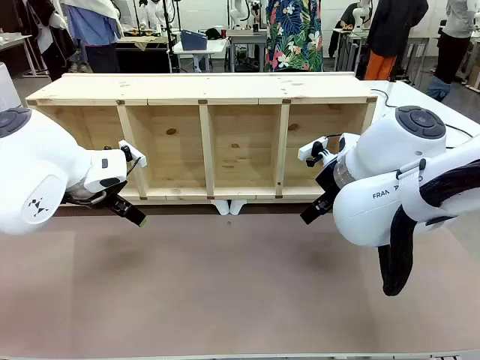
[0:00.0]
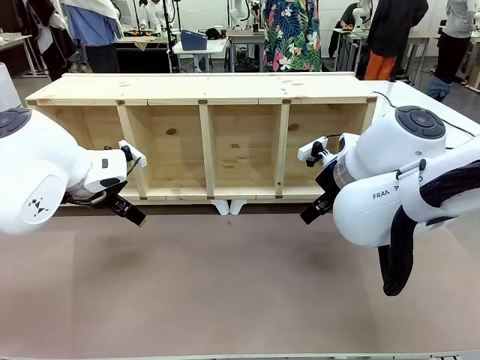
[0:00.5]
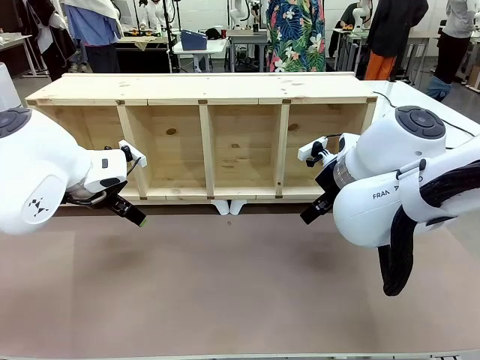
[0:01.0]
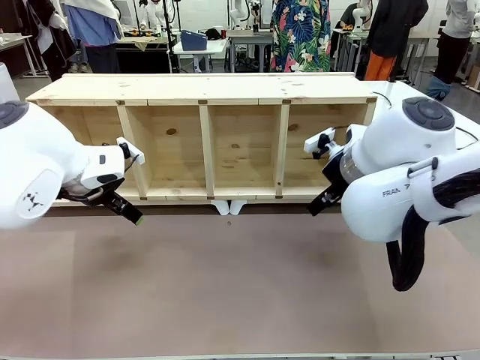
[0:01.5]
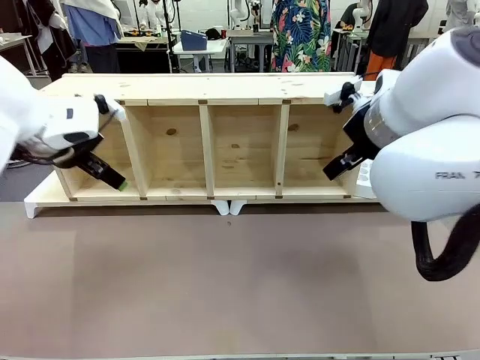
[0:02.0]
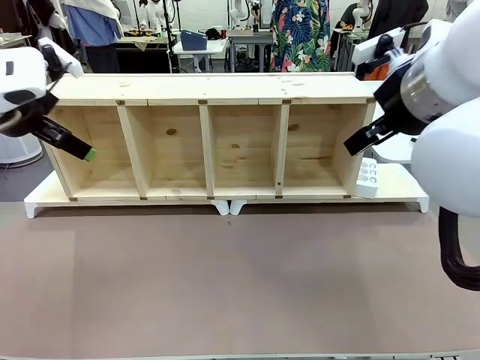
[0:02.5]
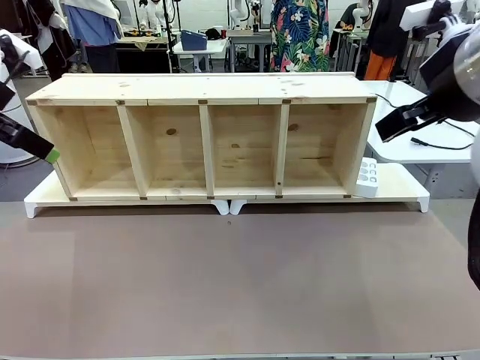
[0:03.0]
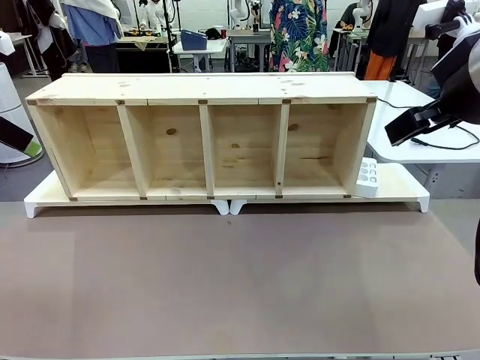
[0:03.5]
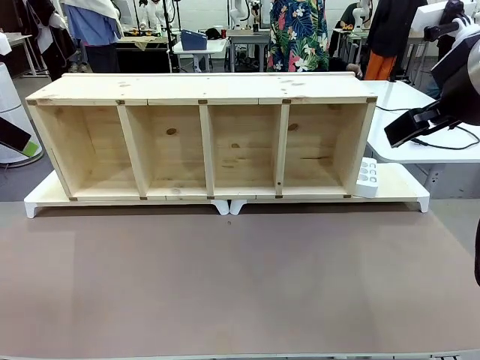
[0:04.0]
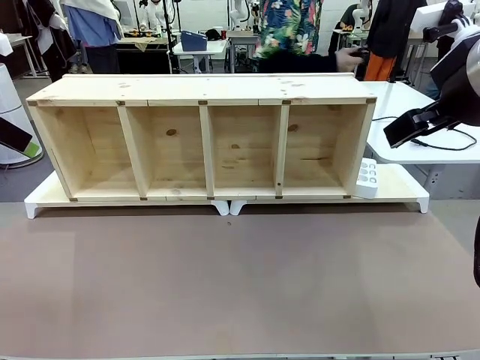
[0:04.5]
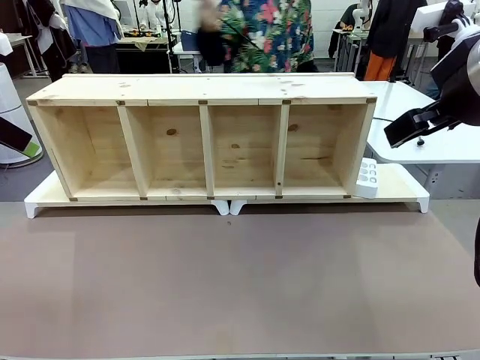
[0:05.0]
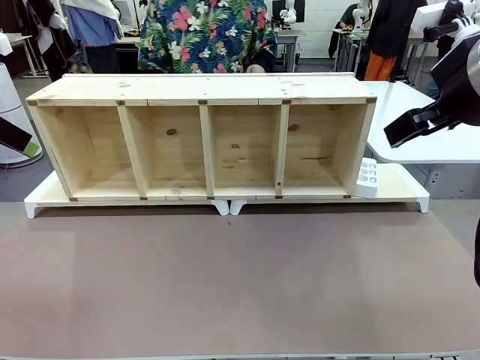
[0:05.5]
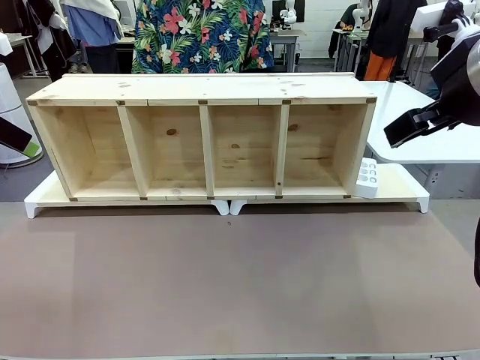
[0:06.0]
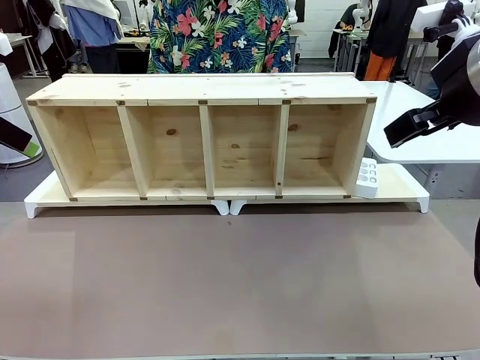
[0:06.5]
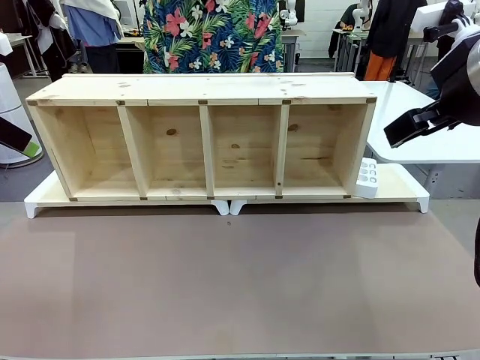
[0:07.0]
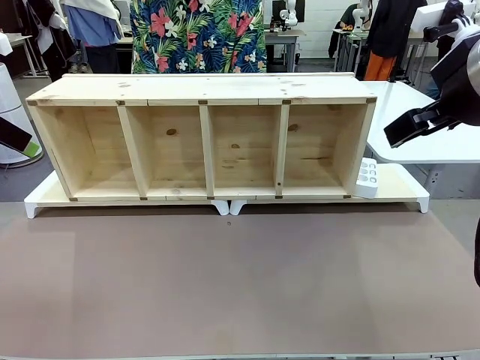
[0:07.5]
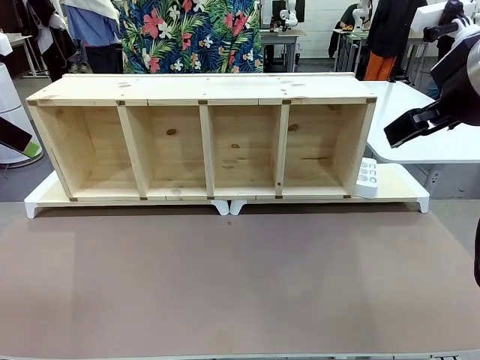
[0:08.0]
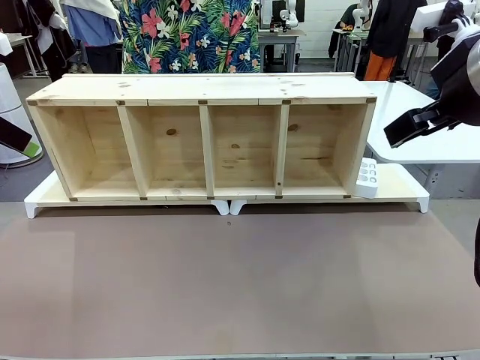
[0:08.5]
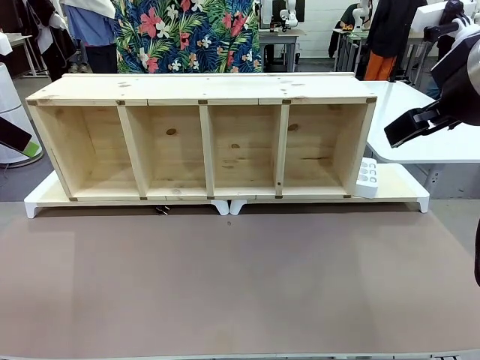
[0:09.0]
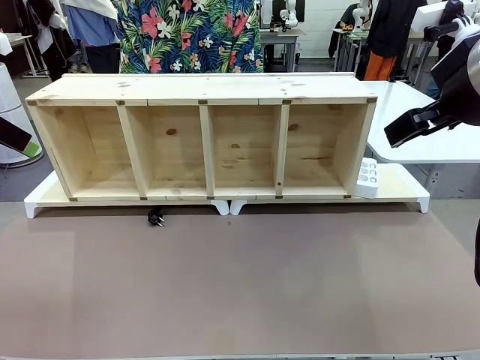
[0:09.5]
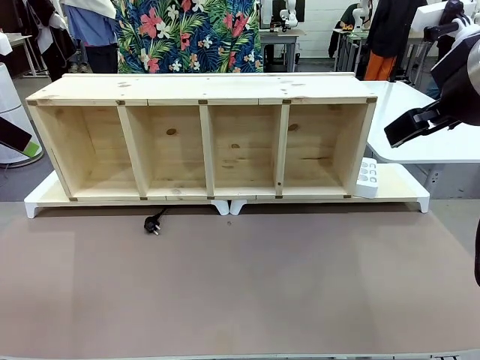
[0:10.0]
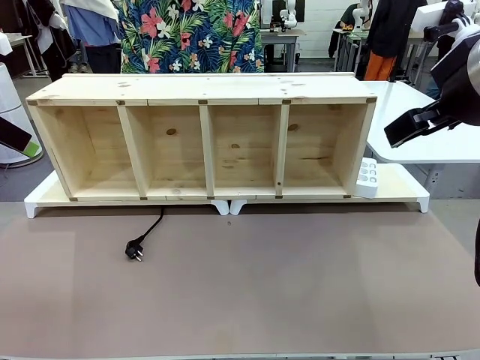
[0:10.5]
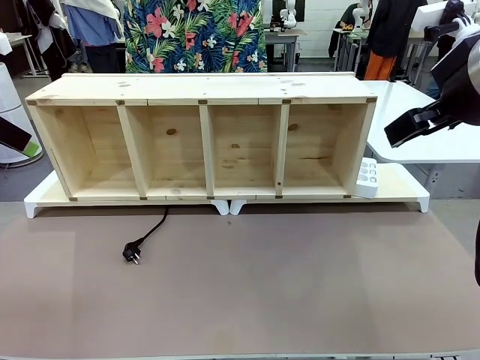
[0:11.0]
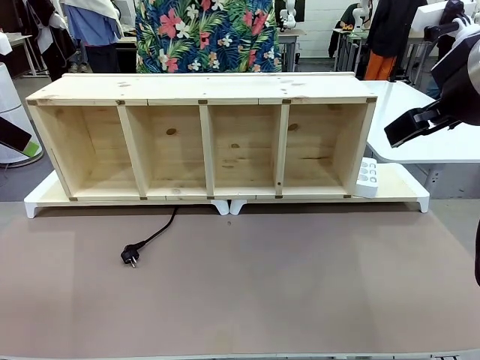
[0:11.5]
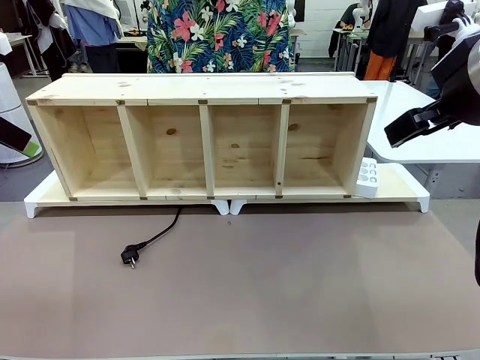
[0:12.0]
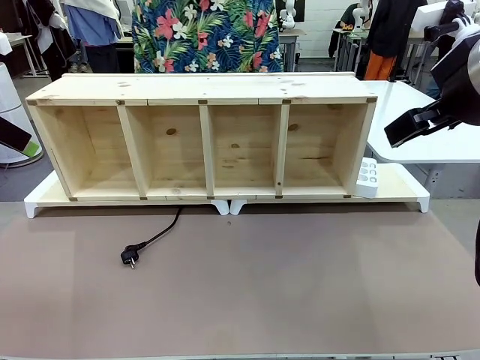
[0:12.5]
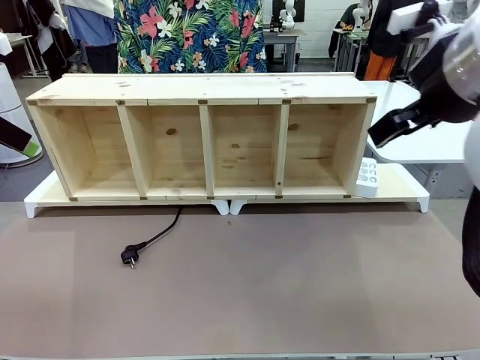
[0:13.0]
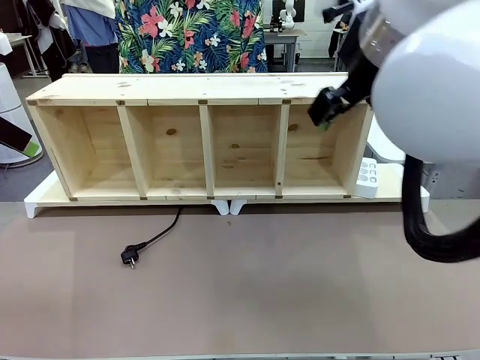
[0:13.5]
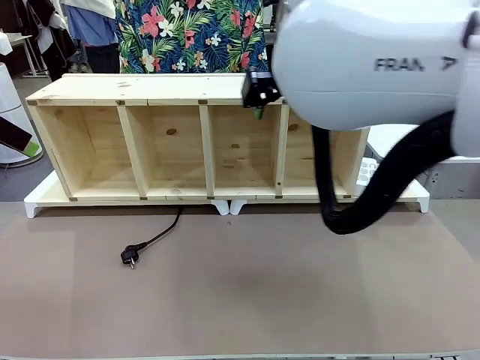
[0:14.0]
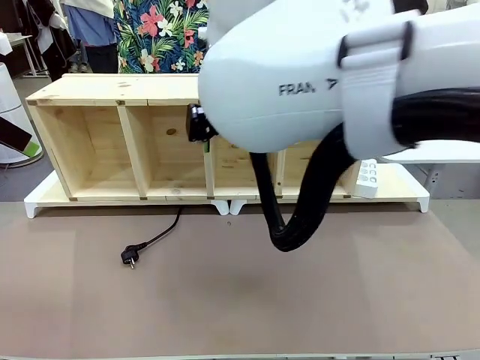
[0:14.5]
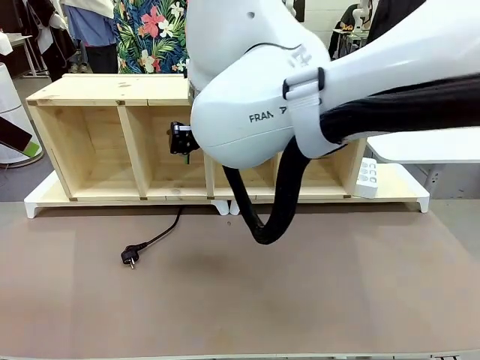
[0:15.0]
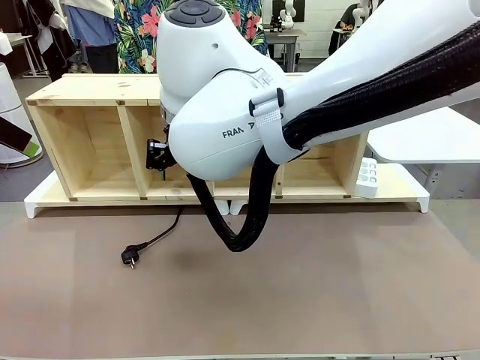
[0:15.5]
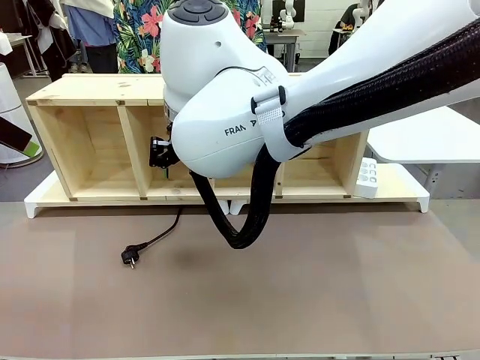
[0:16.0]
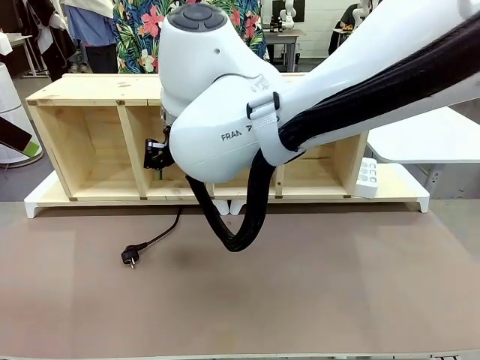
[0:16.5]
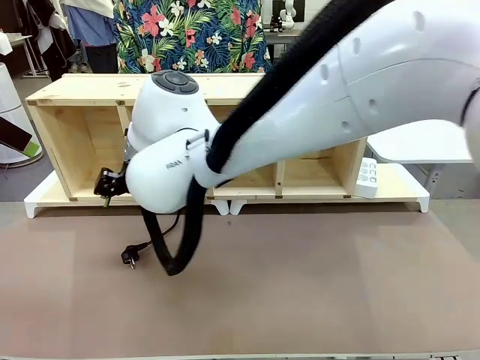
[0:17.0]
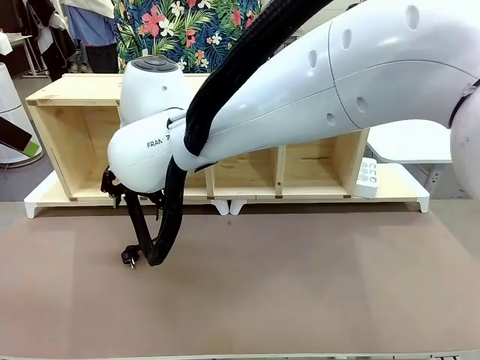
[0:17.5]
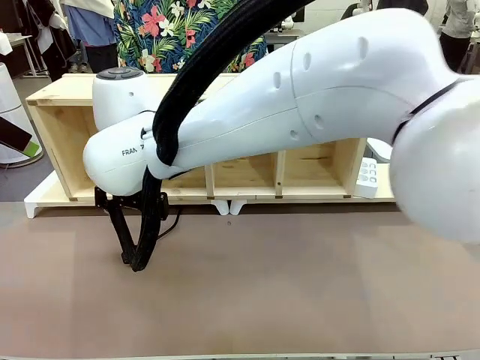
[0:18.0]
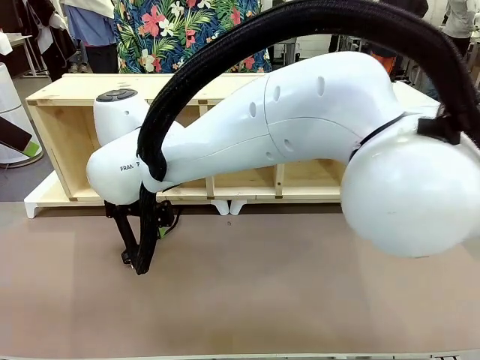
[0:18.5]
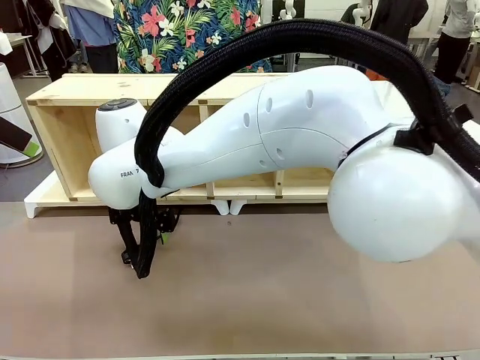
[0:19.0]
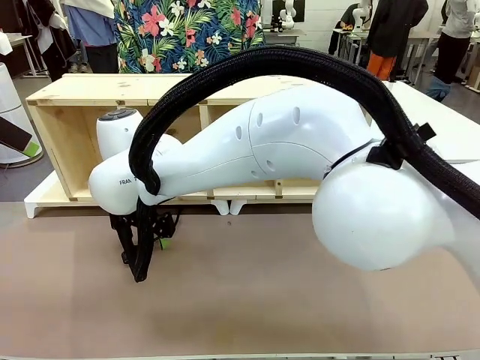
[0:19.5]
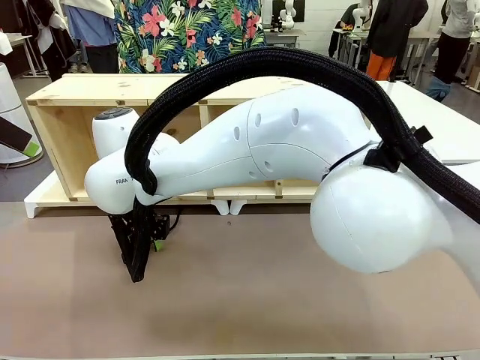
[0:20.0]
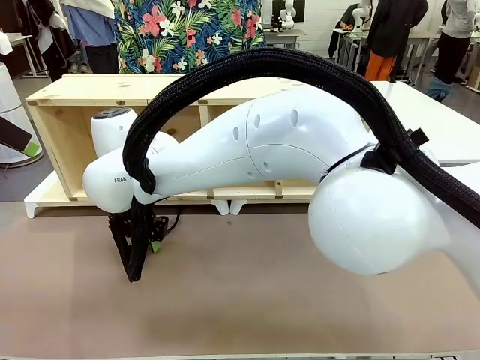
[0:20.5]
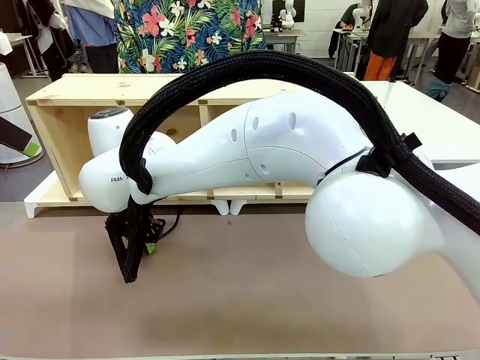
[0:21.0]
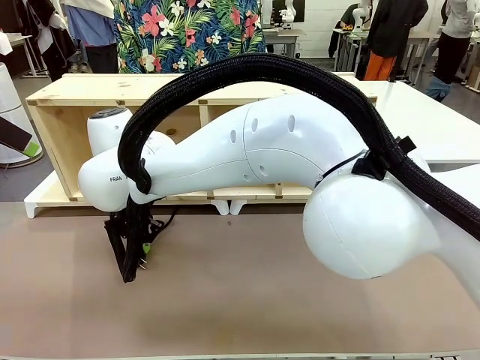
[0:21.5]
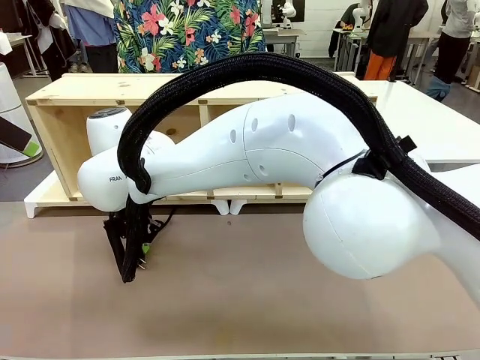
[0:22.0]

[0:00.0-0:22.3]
Task: Perform cable management.
Robot: When the cord part of the Power Cable appears at the lower middle area of the table and stops, grasp the cord part of the Power Cable.
Person: Pass the Power Cable under the Serving Table.
